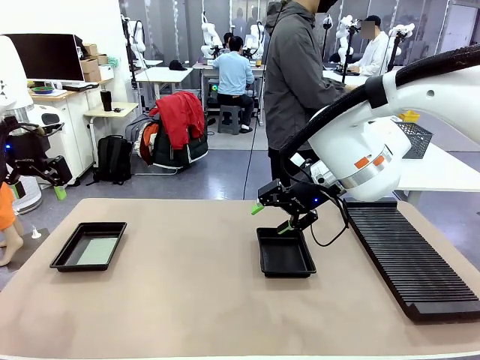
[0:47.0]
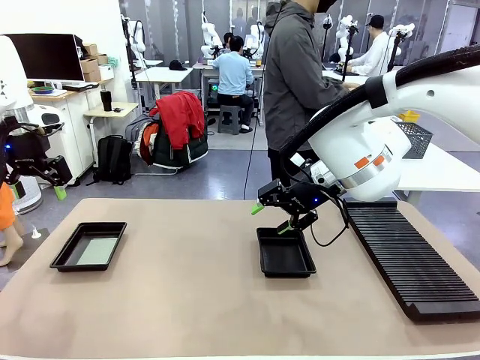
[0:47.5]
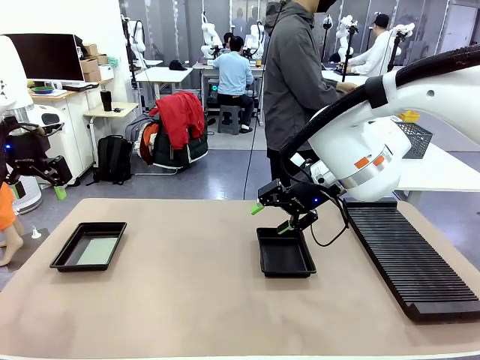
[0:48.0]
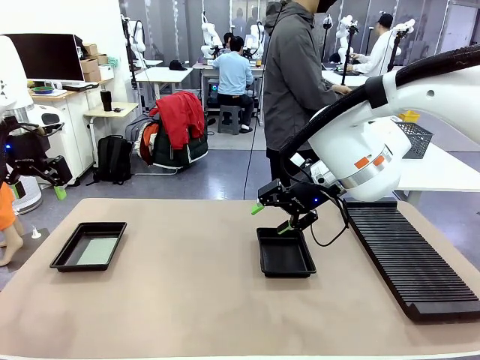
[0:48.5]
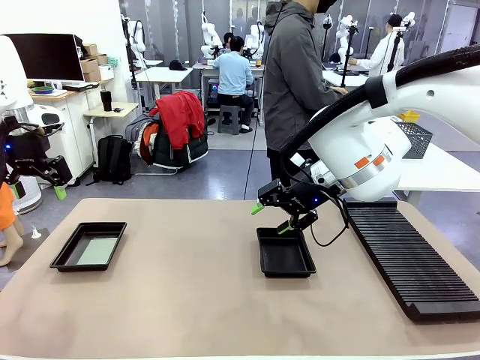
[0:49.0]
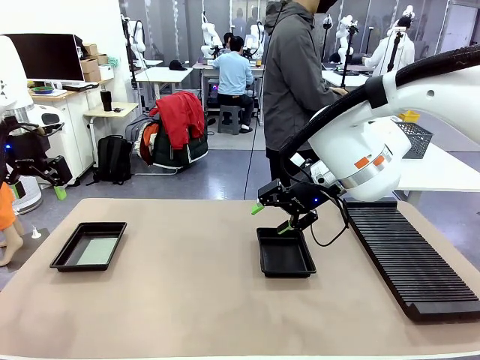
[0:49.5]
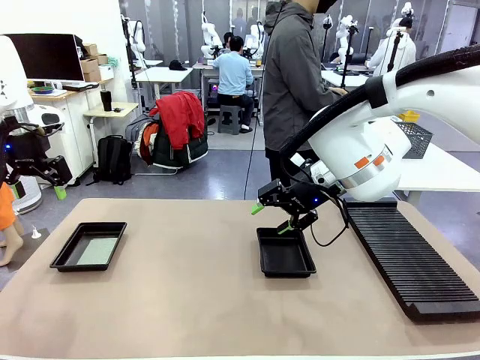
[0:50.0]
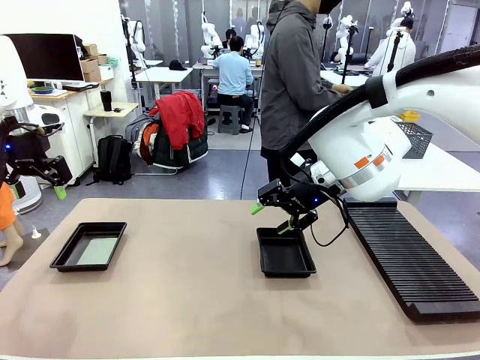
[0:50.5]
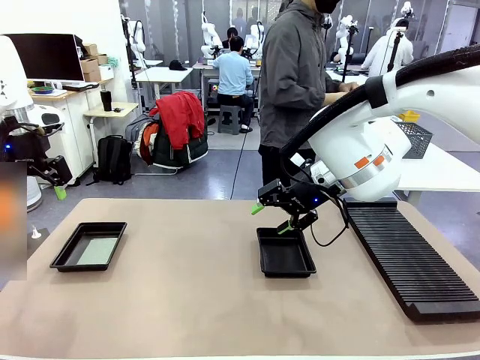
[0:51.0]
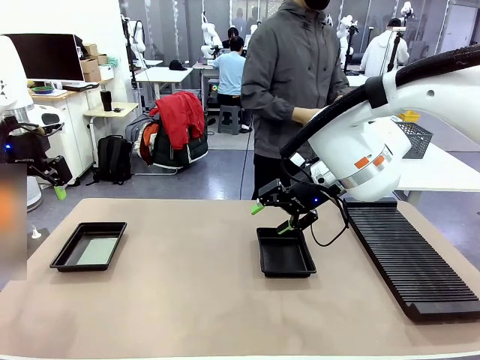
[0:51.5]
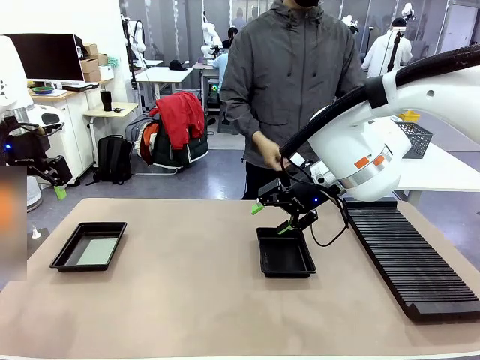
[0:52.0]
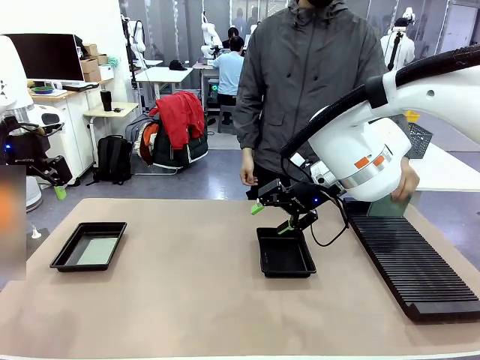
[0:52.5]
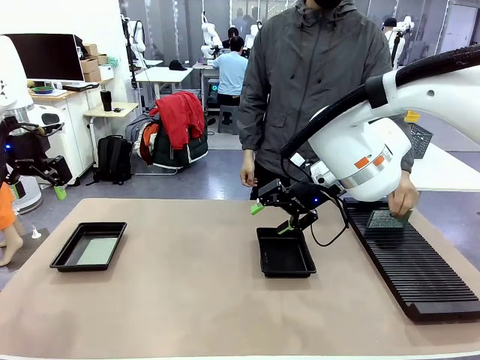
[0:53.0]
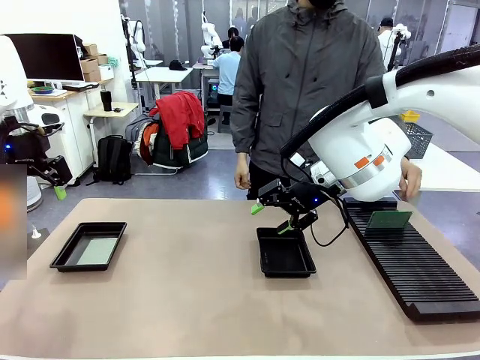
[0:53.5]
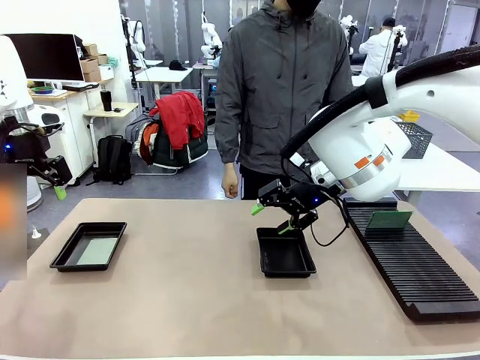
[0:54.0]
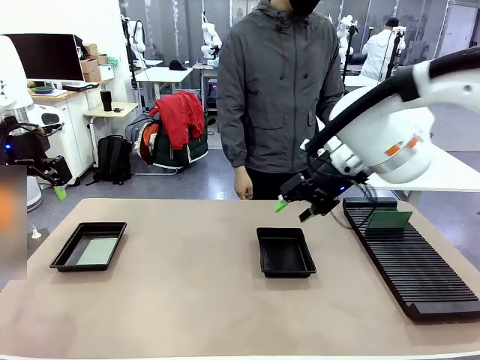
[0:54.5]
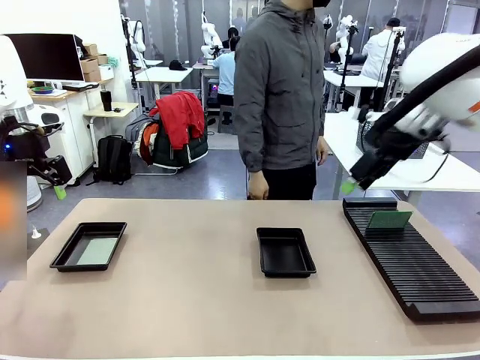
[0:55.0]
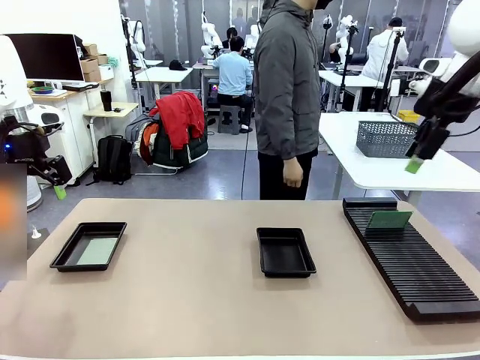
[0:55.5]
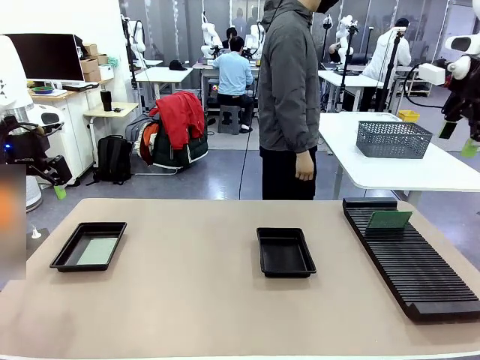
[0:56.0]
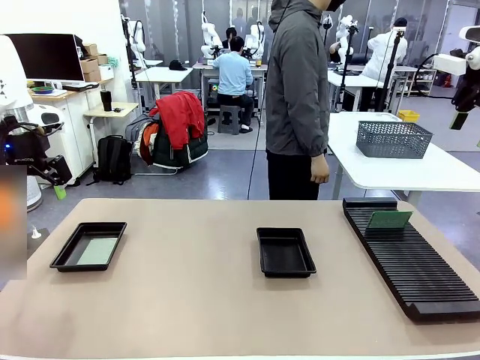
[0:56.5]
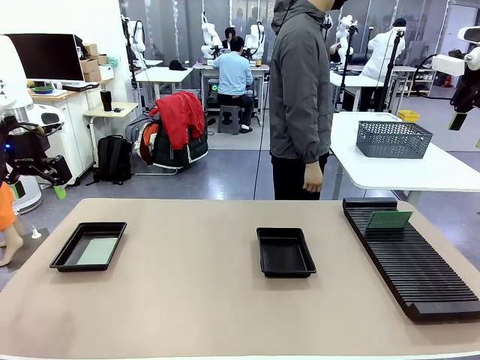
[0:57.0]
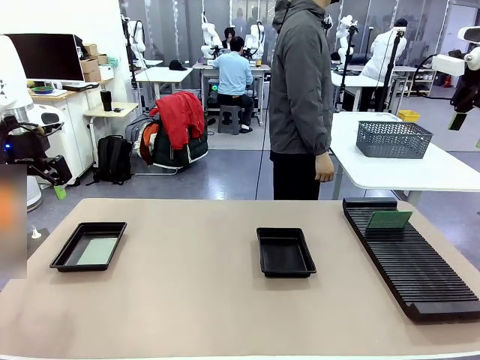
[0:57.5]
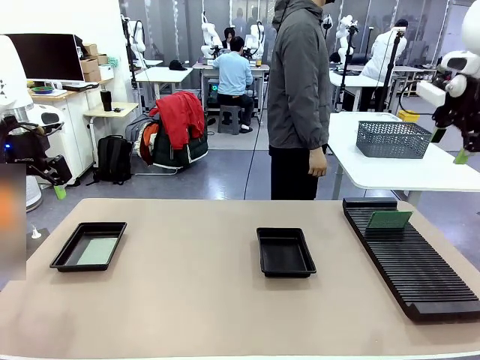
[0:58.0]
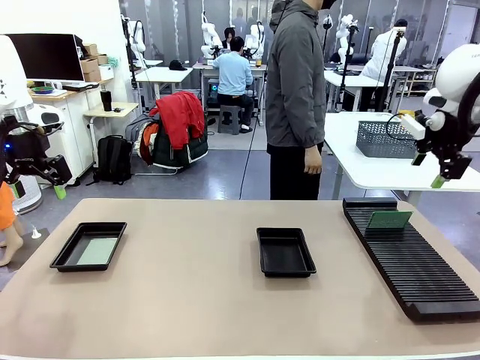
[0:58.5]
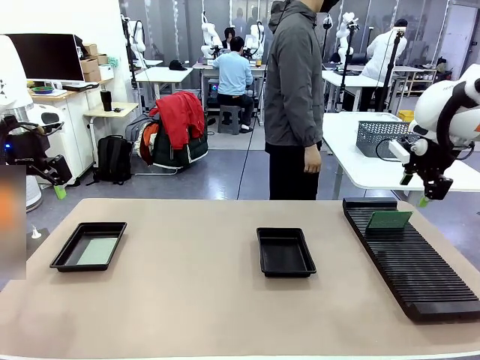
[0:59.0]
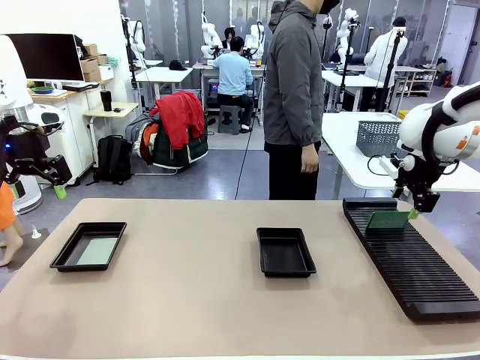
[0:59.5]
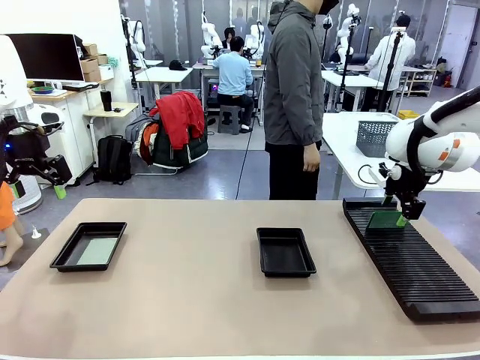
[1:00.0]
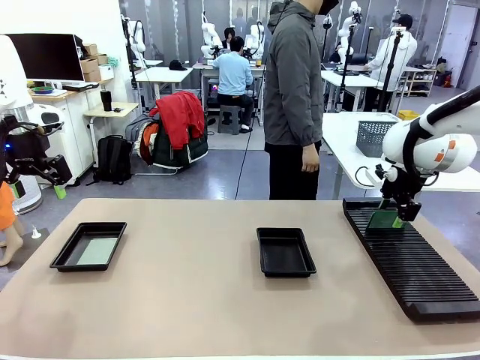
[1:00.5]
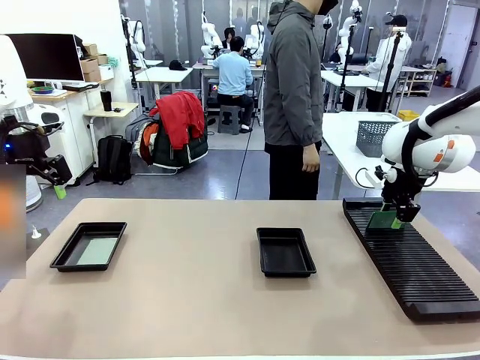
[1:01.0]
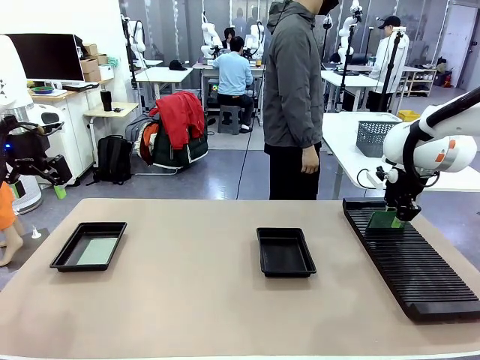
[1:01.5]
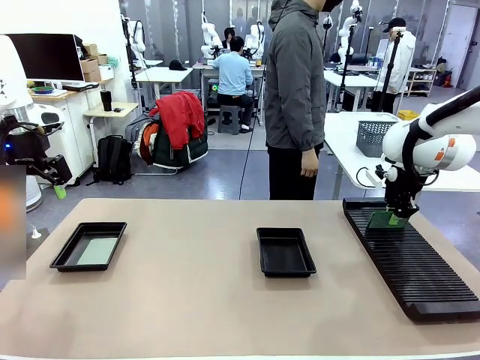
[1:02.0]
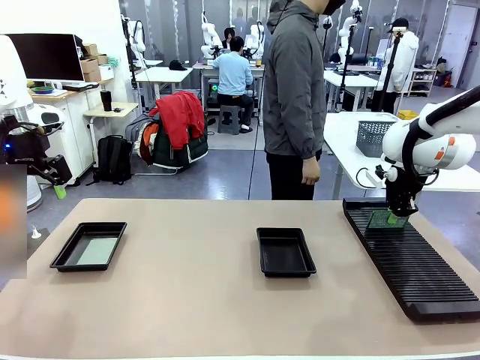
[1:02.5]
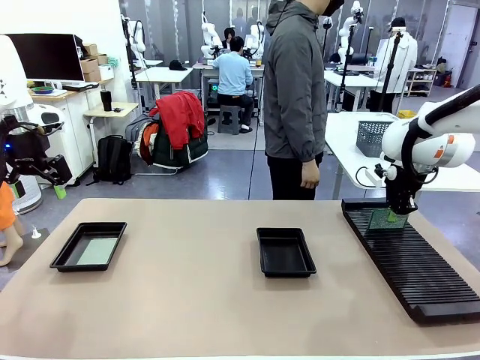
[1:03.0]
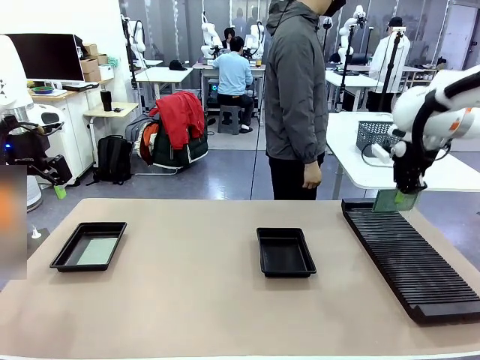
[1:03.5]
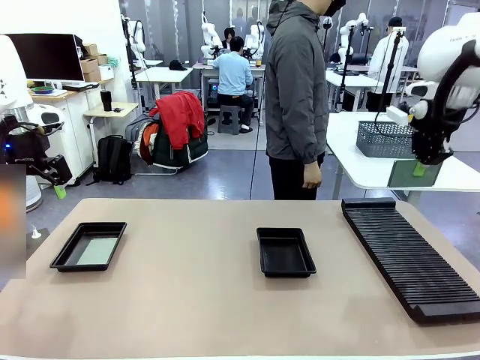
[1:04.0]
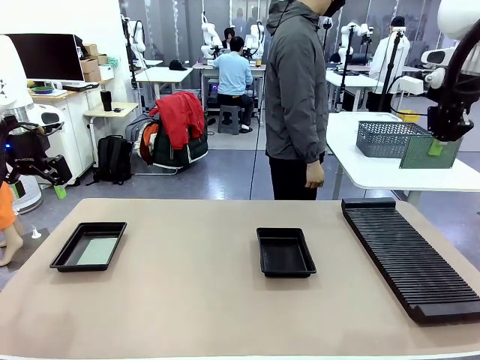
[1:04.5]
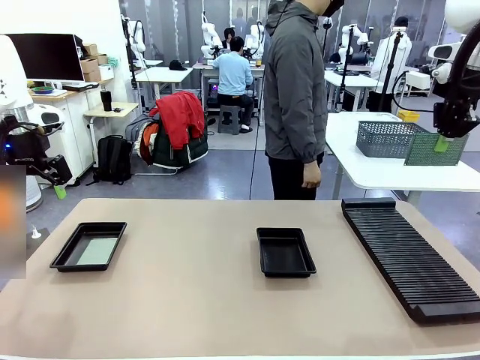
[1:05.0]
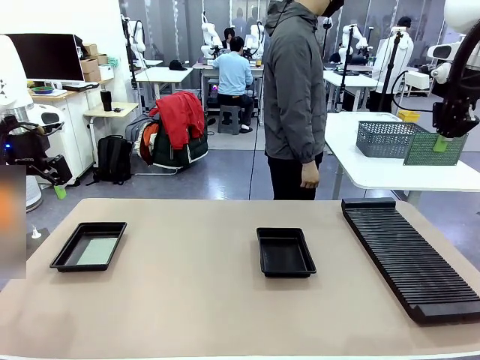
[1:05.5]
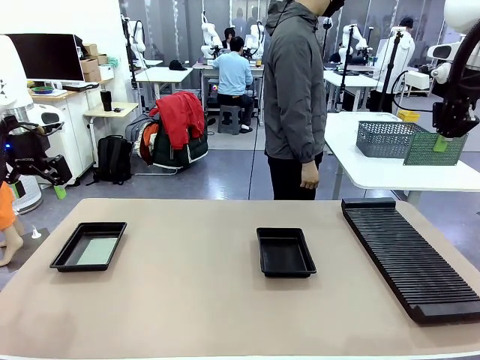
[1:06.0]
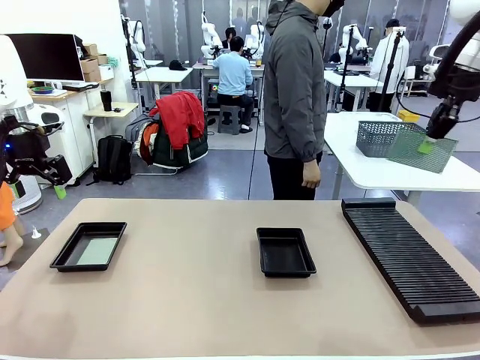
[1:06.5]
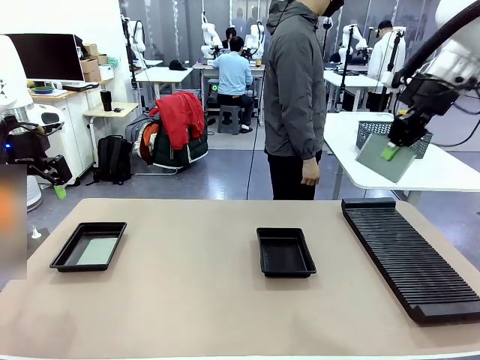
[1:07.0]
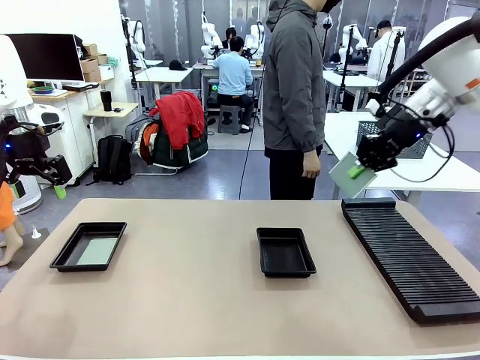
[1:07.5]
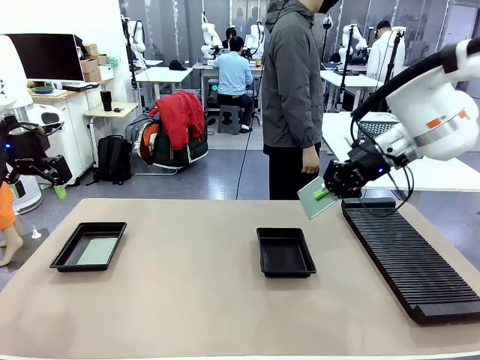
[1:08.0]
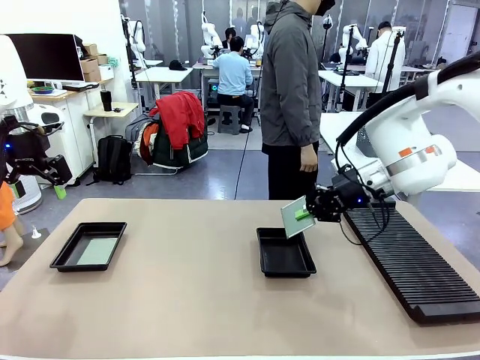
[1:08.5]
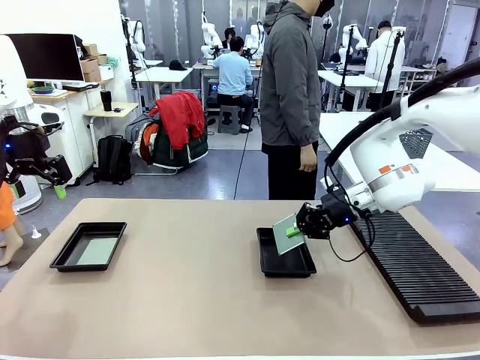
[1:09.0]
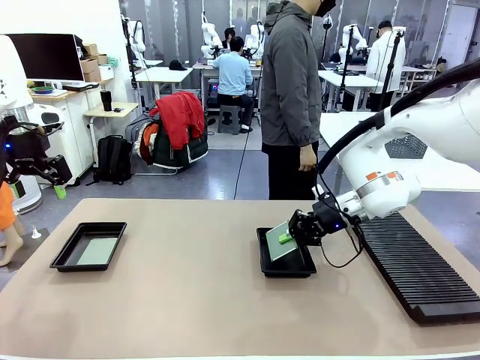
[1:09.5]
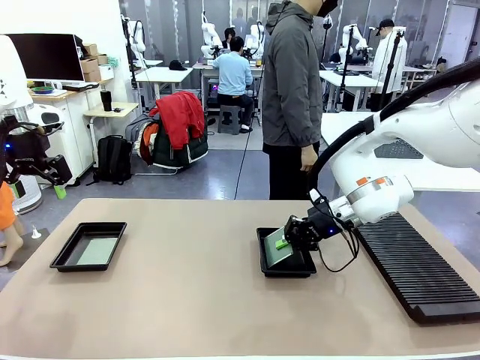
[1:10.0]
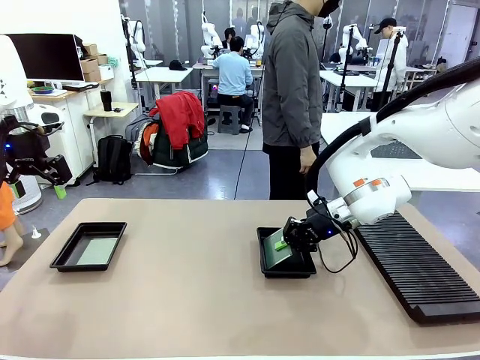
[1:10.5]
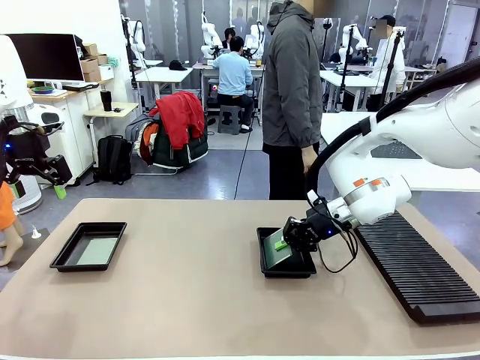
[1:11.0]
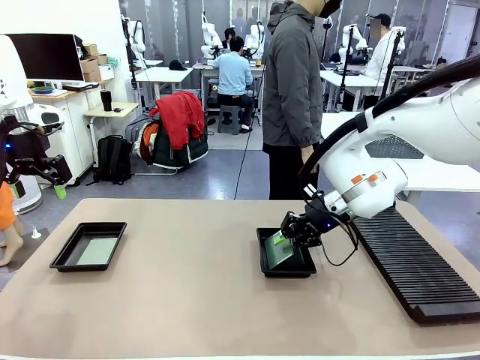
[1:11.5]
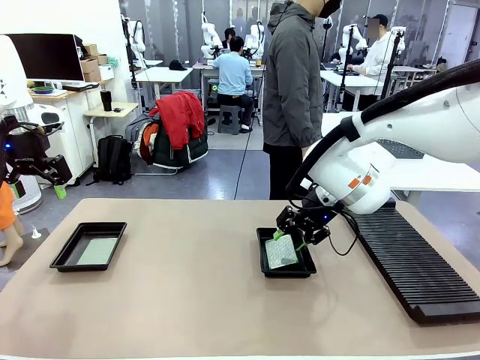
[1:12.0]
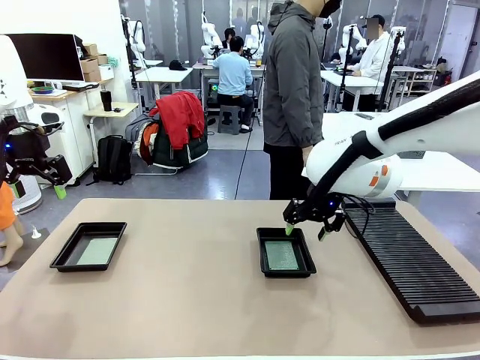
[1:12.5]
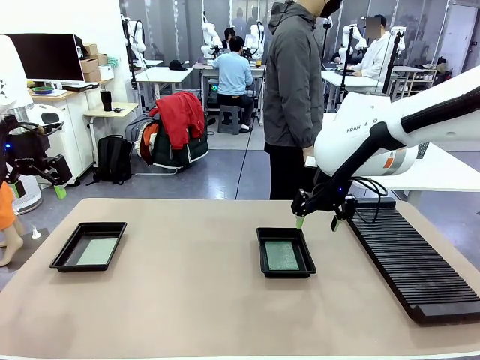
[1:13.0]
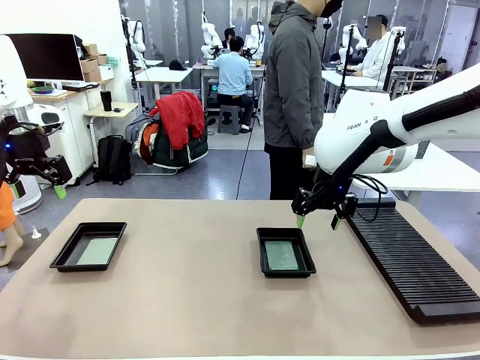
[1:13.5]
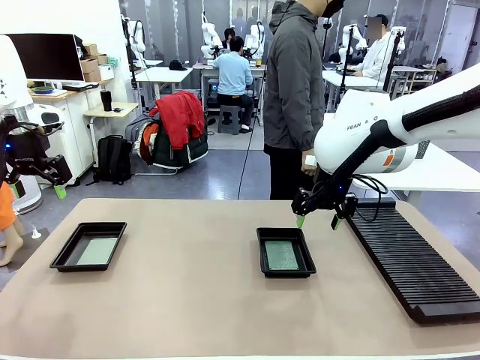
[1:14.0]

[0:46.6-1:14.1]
Task: Inspect and transfer BCBs to ESD trays.
Robot: Pick up the Blank PCB from the PCB Rack and place it in the right ESD tray.
